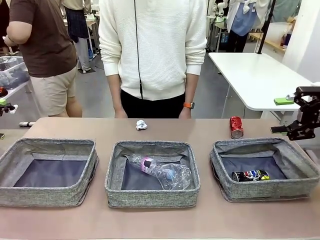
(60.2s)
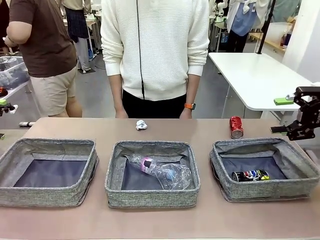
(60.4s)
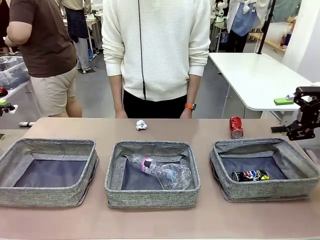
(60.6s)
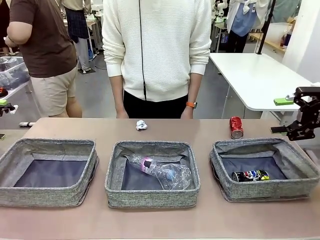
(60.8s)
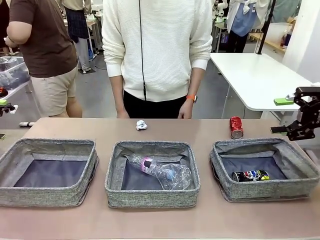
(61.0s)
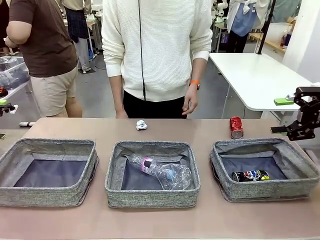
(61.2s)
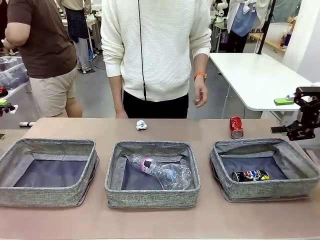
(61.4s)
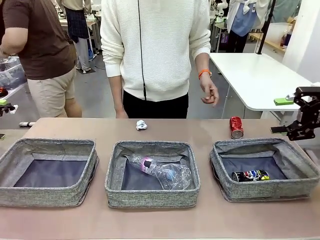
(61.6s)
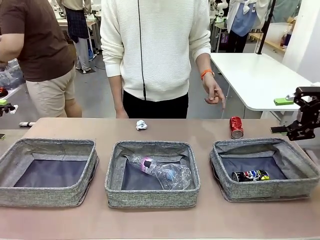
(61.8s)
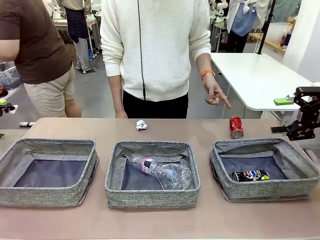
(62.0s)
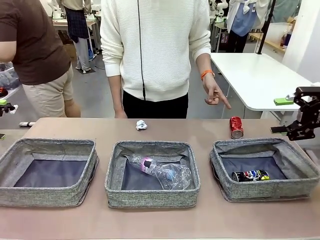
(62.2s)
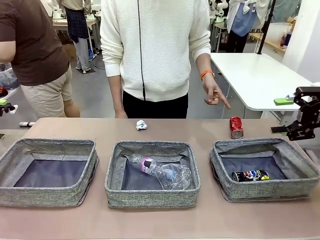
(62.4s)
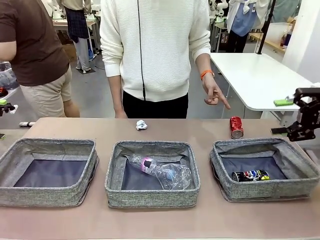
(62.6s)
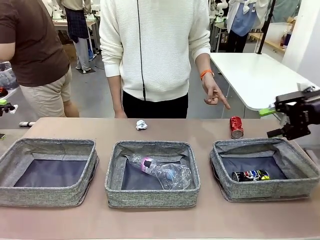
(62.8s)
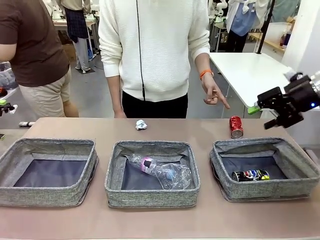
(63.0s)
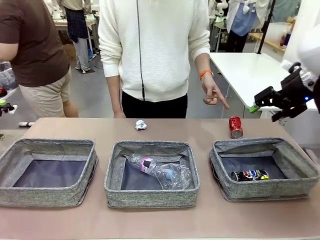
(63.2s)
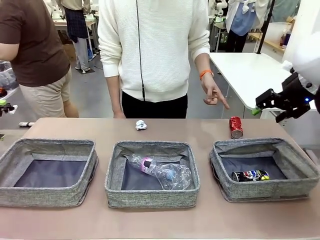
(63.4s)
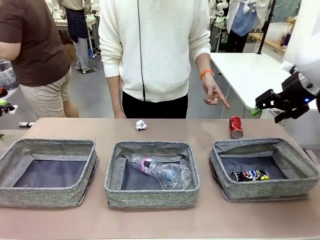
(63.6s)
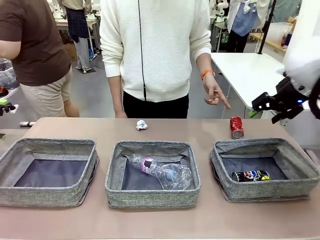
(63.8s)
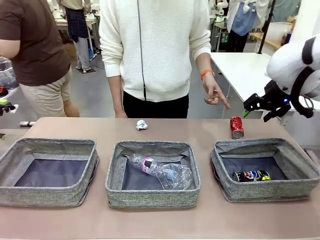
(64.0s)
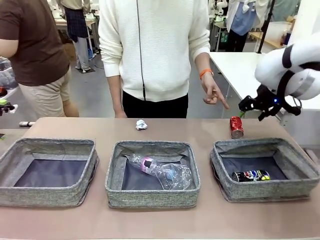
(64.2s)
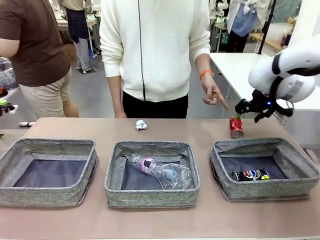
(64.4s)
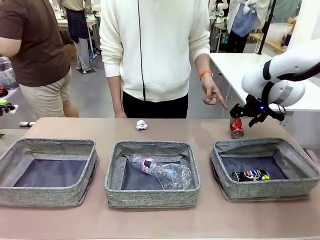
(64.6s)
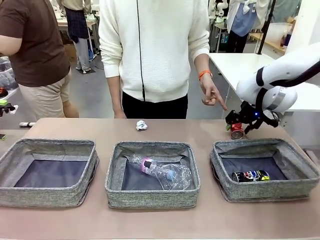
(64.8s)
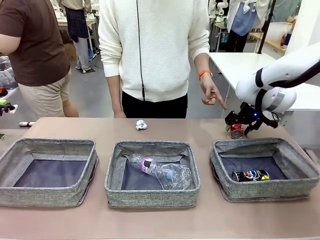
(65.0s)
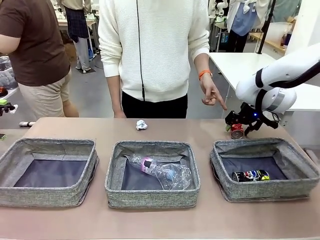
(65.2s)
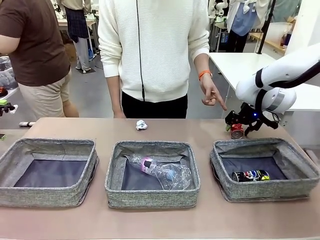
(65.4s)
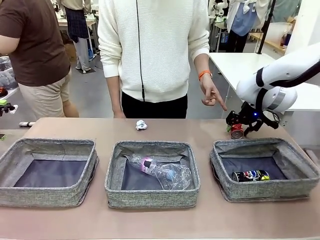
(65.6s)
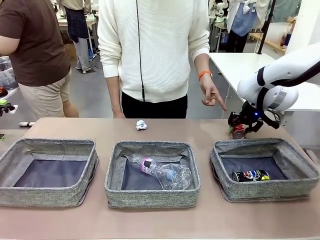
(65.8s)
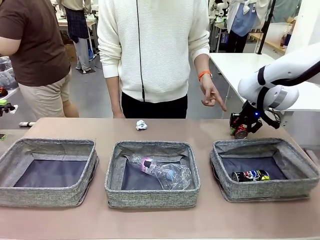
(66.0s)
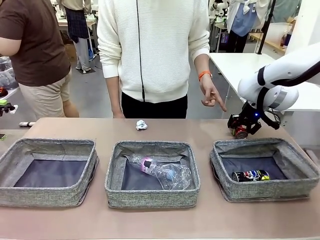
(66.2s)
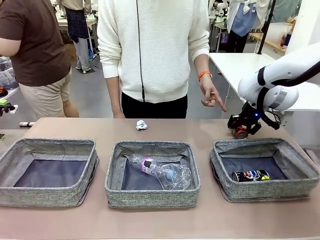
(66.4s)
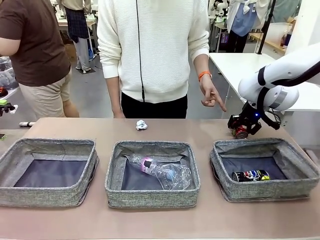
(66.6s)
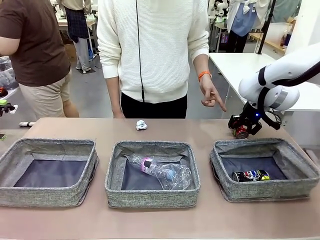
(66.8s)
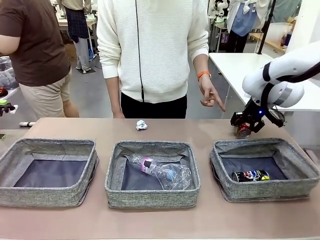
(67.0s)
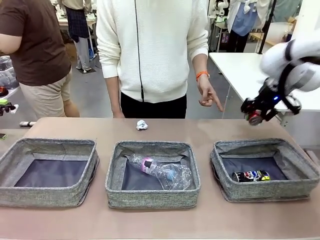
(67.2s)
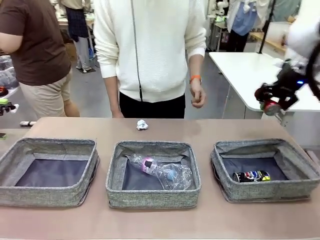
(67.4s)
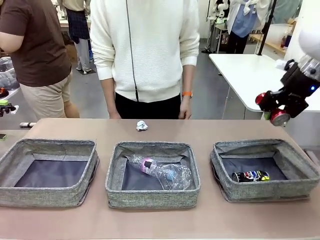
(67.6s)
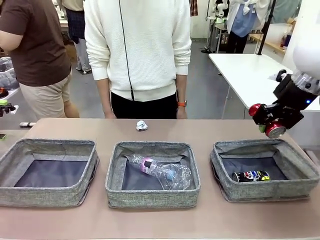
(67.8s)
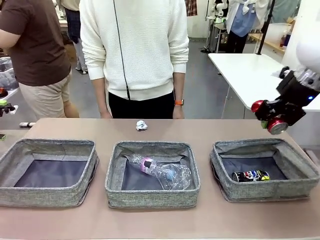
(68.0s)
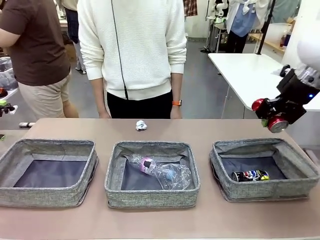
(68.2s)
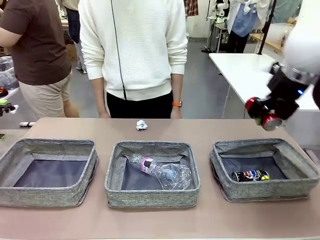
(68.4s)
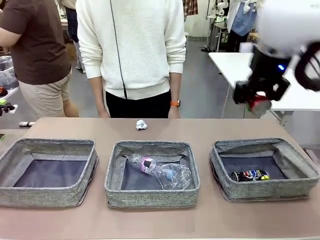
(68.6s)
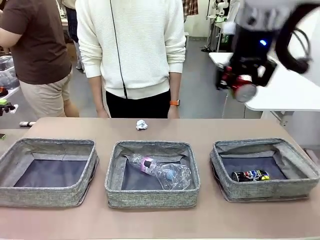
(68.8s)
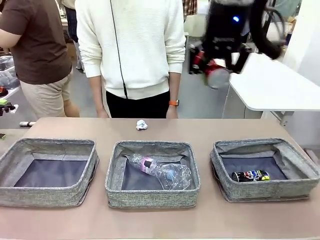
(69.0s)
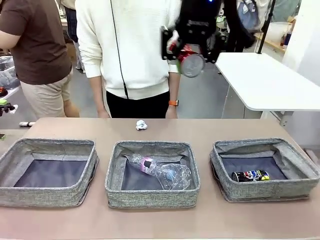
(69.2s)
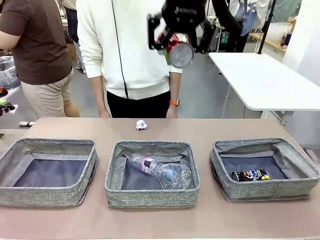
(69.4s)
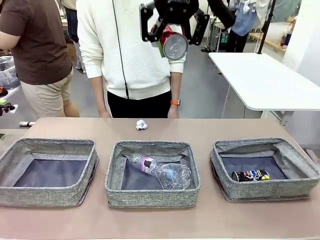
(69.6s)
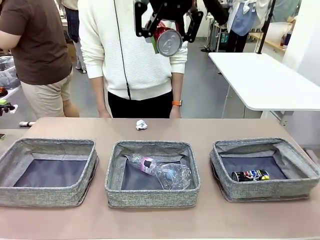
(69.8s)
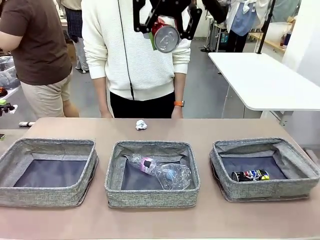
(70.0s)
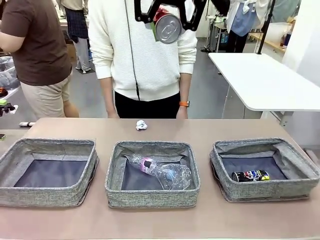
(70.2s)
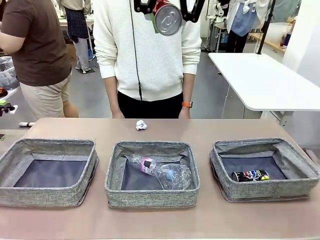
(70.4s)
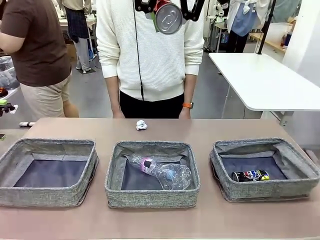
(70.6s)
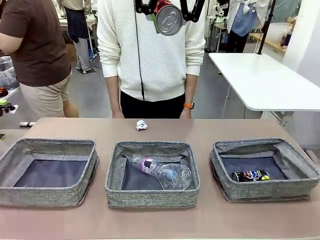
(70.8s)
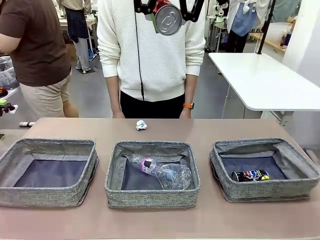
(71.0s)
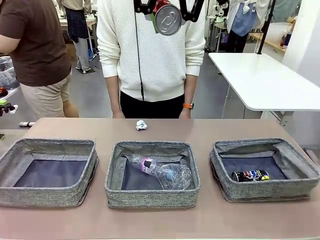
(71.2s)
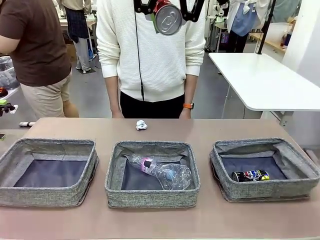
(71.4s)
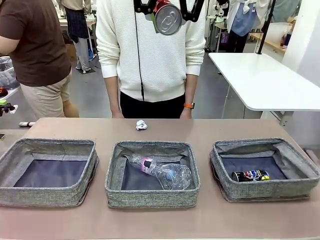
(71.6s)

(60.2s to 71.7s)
Task: Sort the waste into the appropriate baskets.
Robot: Pick up the waste item pointed out by the person.
Person: Points to one piece of trash on the table.

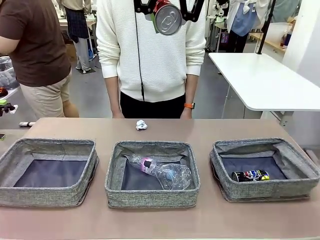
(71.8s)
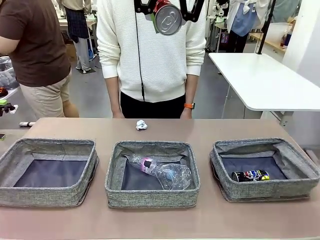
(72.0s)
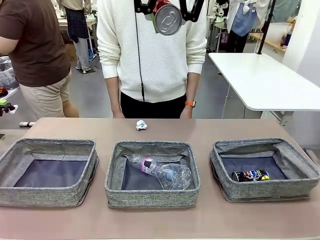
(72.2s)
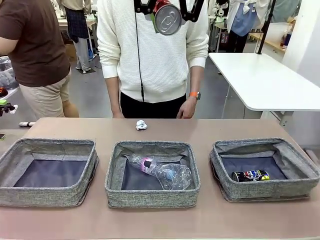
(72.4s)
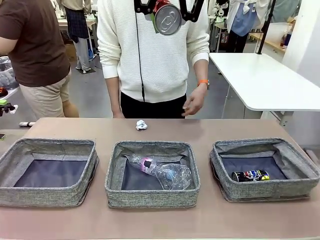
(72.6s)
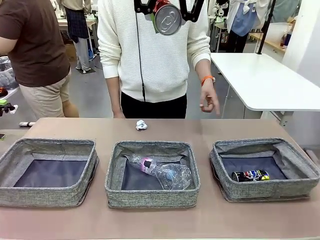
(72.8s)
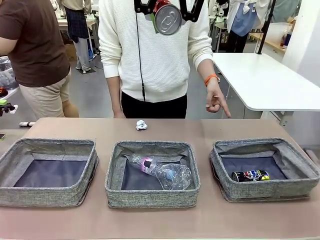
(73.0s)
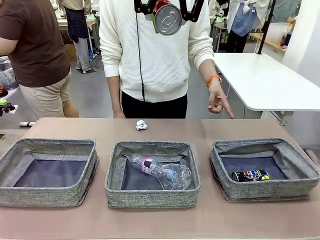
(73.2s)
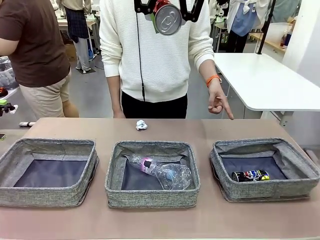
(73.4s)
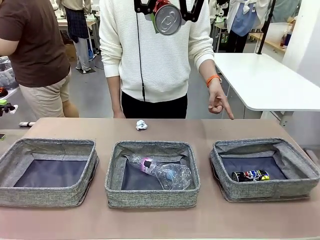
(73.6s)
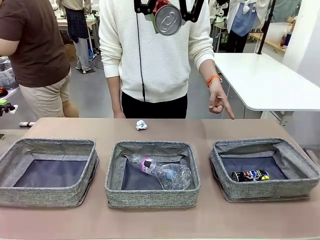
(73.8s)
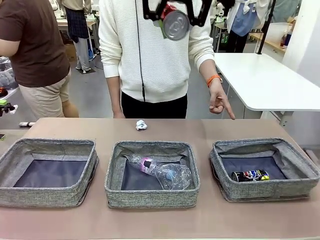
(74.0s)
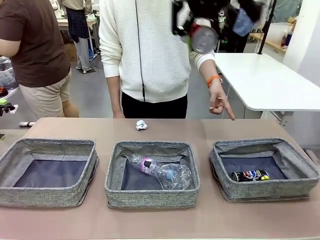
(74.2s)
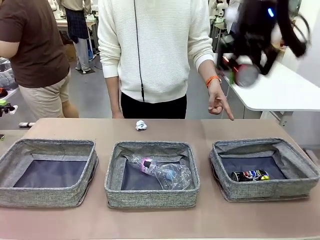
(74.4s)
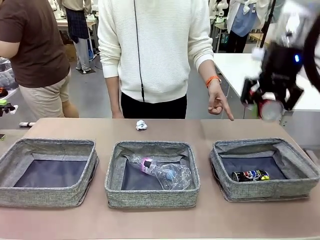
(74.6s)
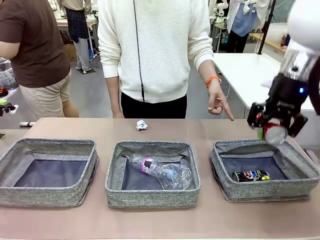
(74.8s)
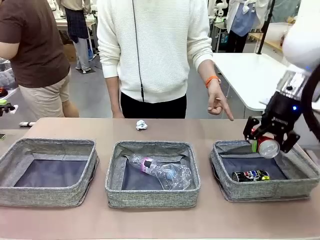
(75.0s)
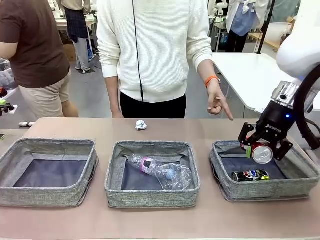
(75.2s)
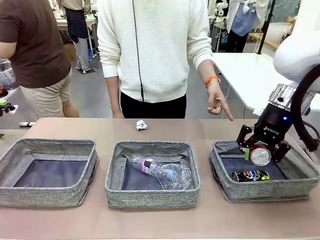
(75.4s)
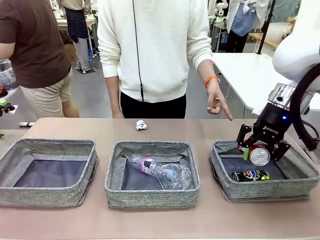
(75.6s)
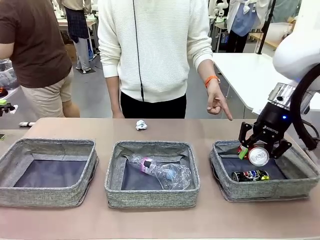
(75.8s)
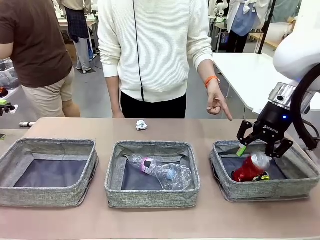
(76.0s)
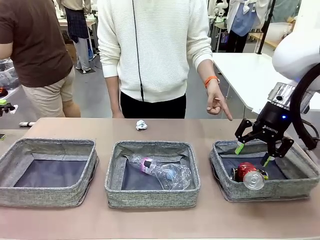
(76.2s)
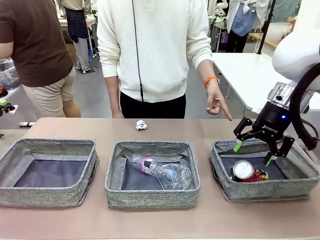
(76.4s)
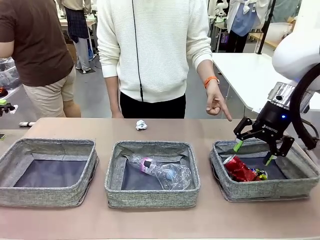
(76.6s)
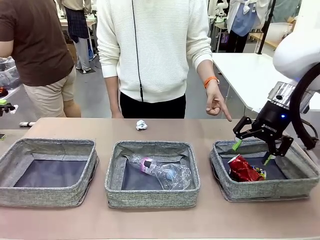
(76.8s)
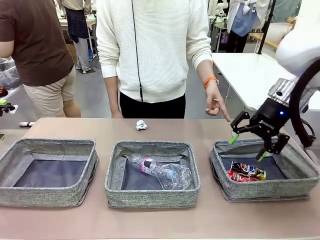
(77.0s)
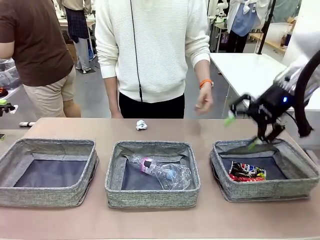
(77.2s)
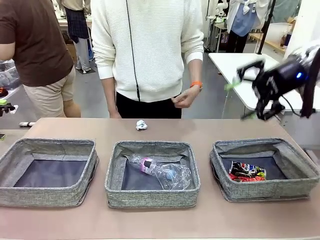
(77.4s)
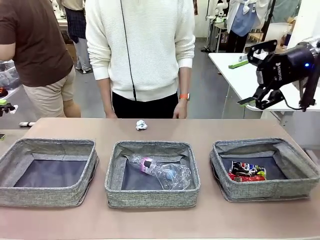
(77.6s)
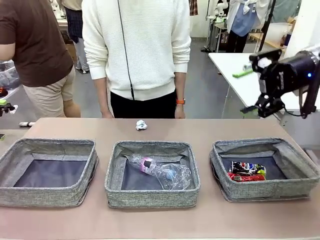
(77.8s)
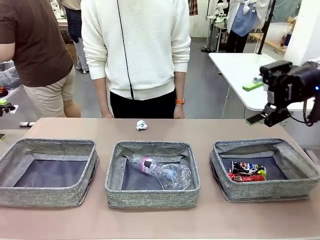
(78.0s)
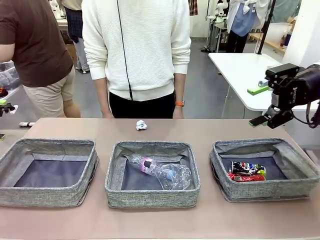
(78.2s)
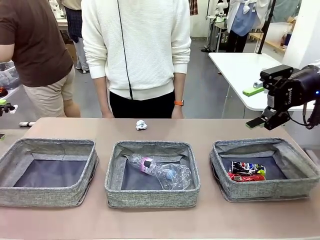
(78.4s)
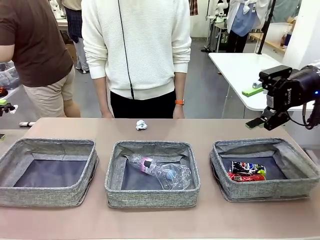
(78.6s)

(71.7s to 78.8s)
Robot: Place the picked waste into the Fabric basket indicated by the person.
Person: Instructs the robot to place the picked-up trash into the appropriate organizing basket.

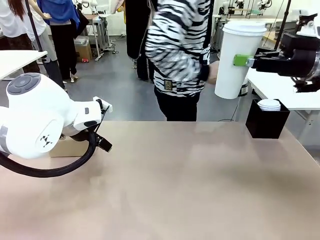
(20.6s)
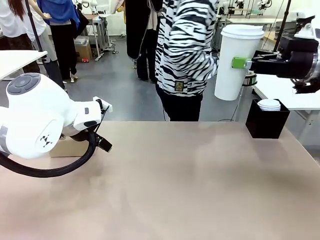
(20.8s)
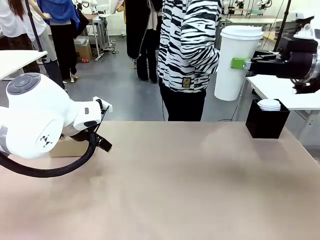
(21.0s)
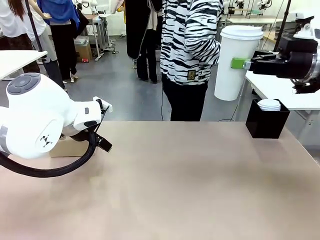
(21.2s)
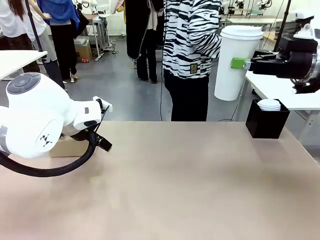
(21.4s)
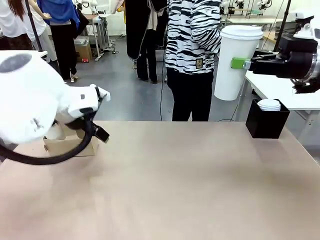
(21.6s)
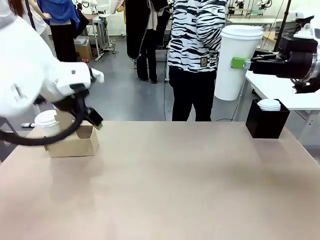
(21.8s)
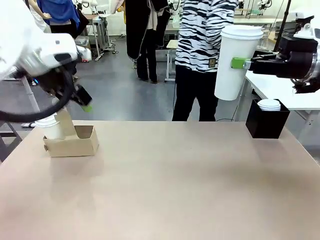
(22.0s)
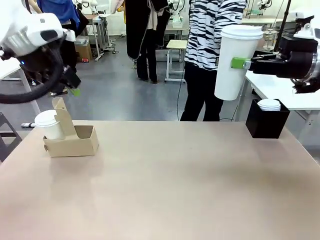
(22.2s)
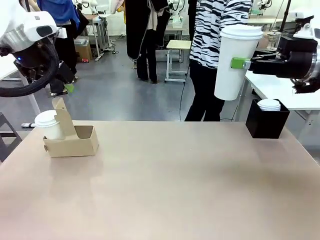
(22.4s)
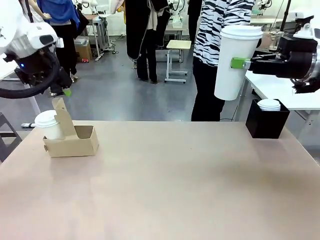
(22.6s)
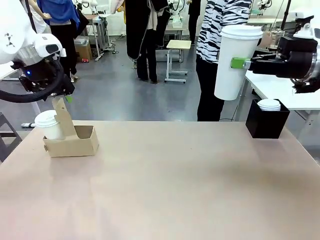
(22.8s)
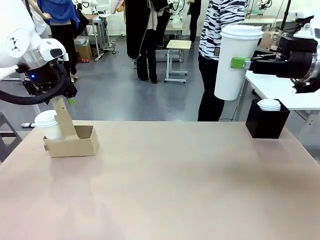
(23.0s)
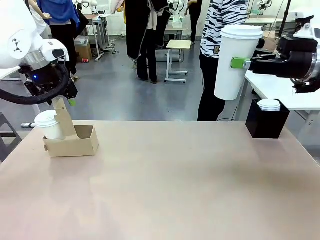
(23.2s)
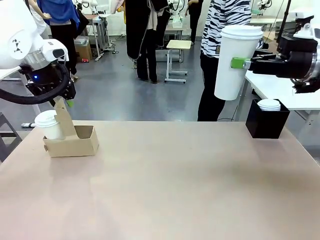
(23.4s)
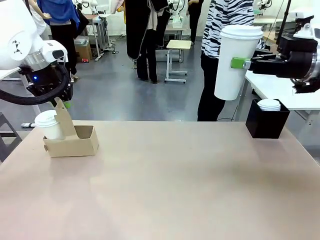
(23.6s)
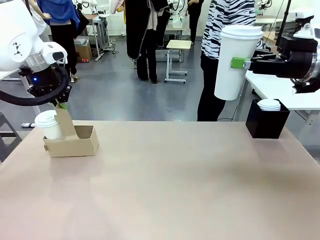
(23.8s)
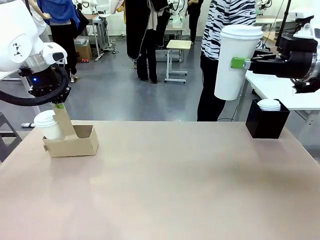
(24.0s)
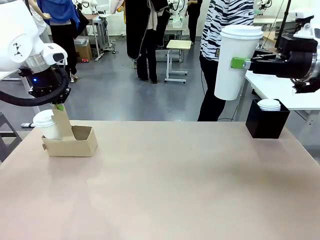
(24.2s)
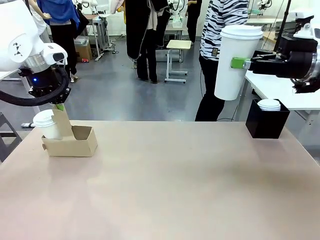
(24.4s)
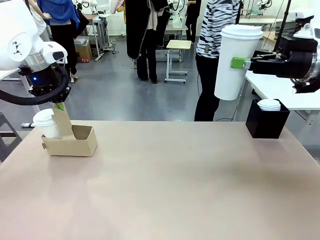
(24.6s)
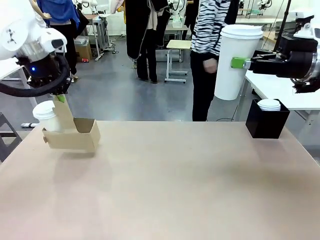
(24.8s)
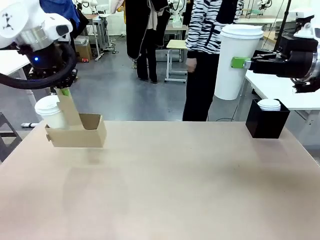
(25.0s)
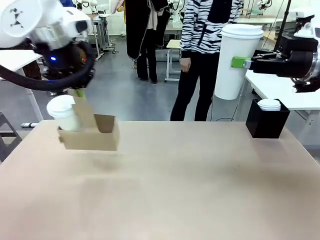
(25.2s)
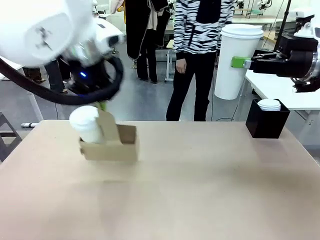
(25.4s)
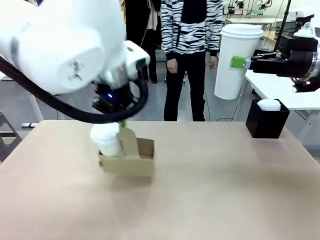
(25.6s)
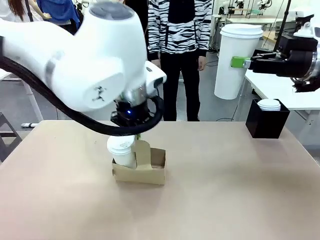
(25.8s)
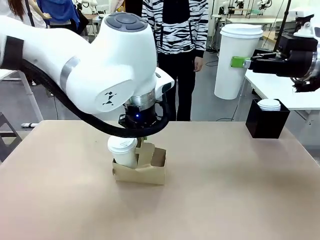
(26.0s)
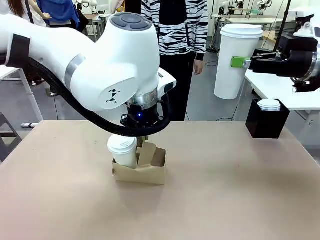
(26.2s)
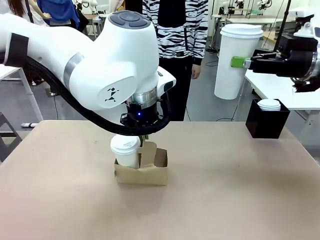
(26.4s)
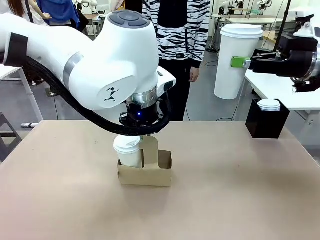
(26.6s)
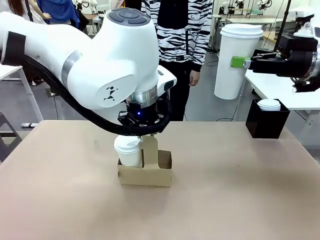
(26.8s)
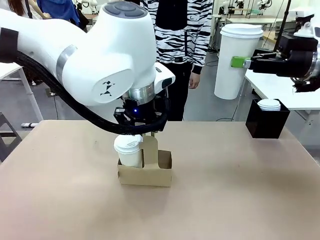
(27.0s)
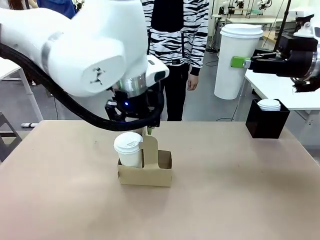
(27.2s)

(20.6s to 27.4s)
Task: Pour a drink into a cup and package it in a carrier.
Robot: Position the Cup Carrier in the center of the table.
Person: Pick up the Filter Brewing and place on the middle of Human table, and return to the Robot table.
